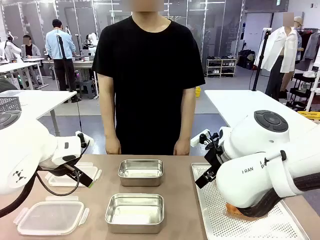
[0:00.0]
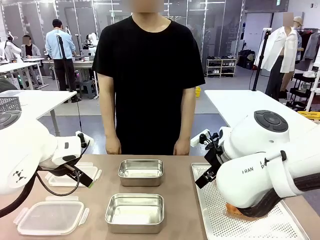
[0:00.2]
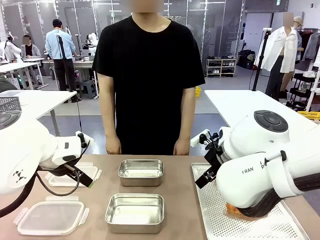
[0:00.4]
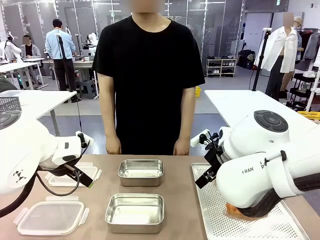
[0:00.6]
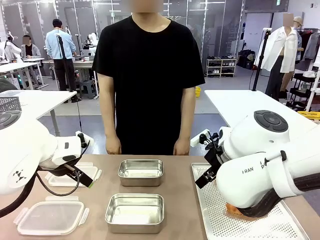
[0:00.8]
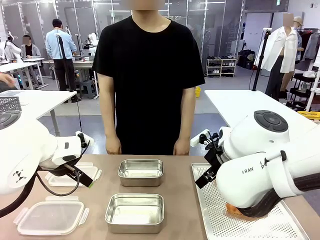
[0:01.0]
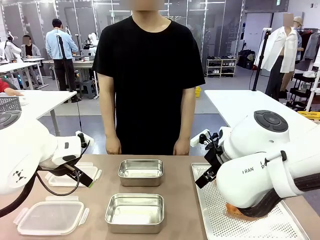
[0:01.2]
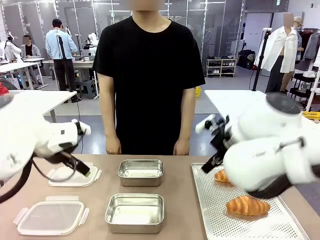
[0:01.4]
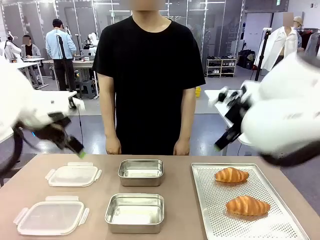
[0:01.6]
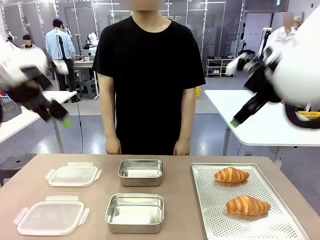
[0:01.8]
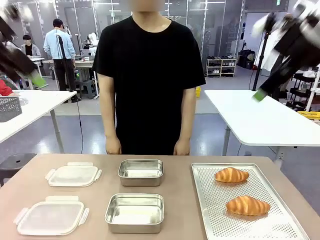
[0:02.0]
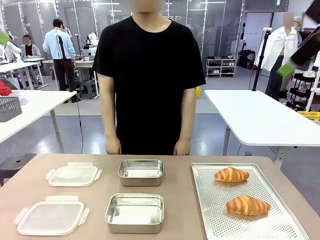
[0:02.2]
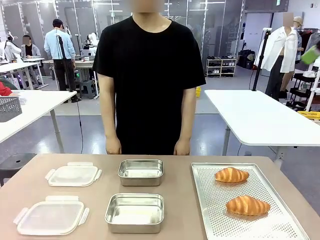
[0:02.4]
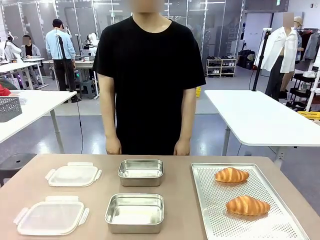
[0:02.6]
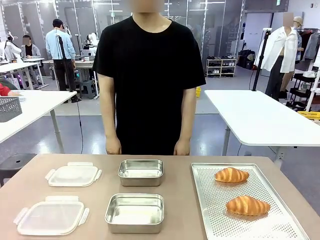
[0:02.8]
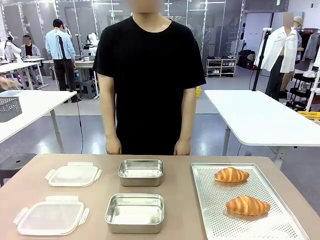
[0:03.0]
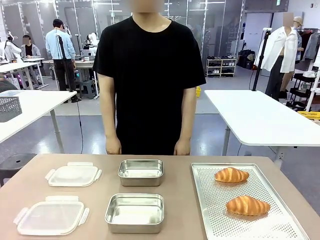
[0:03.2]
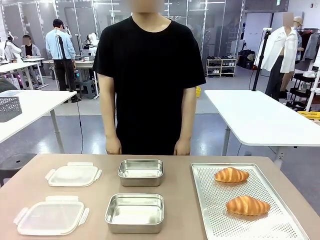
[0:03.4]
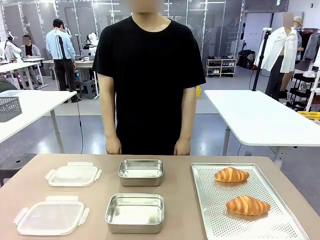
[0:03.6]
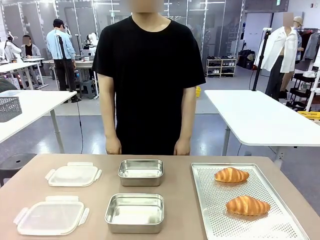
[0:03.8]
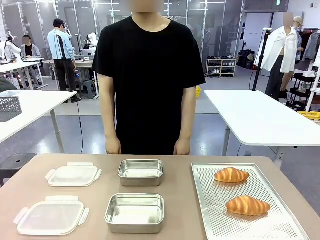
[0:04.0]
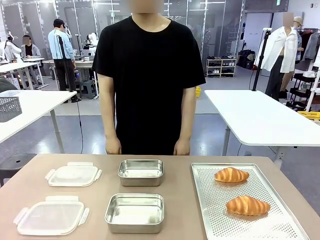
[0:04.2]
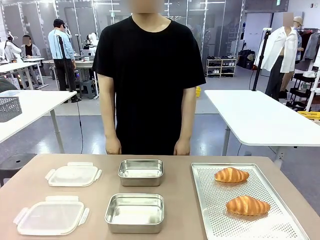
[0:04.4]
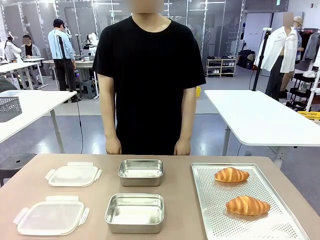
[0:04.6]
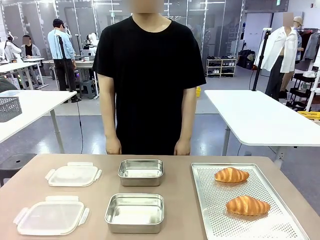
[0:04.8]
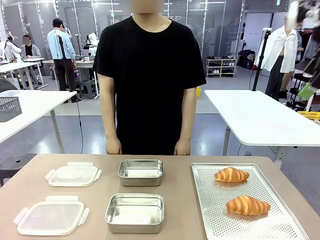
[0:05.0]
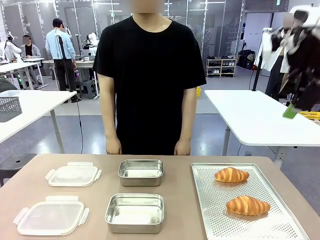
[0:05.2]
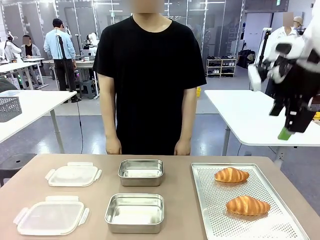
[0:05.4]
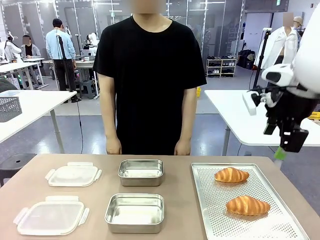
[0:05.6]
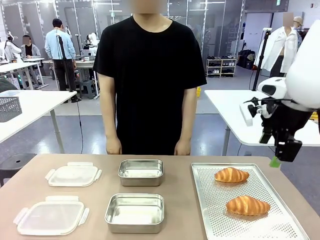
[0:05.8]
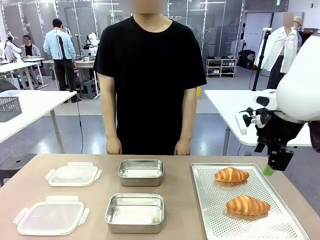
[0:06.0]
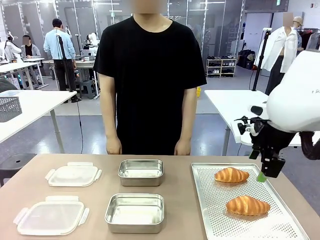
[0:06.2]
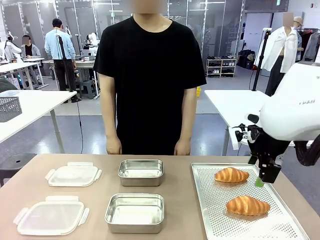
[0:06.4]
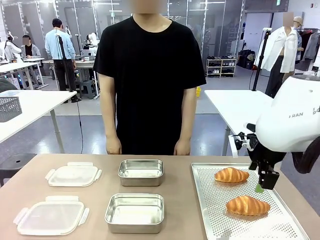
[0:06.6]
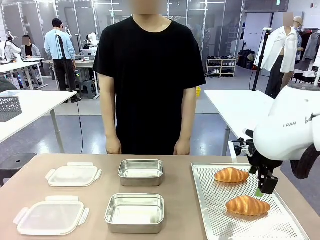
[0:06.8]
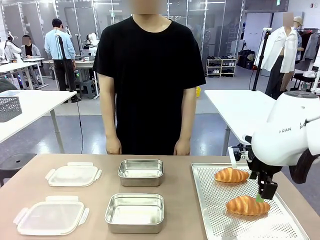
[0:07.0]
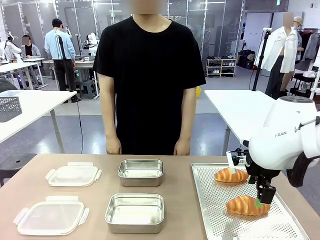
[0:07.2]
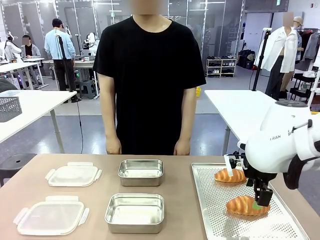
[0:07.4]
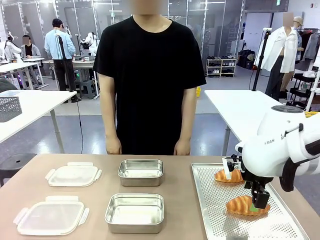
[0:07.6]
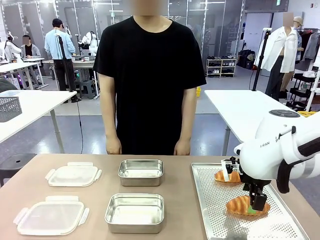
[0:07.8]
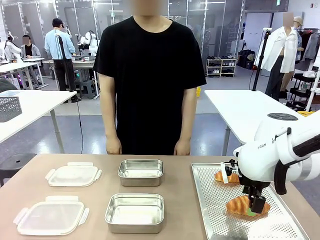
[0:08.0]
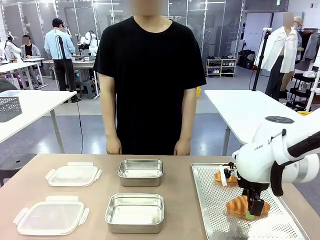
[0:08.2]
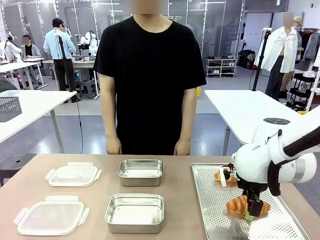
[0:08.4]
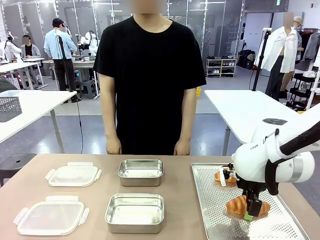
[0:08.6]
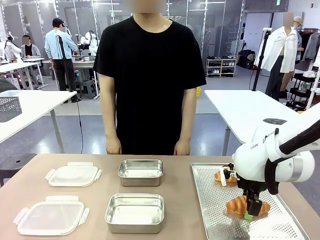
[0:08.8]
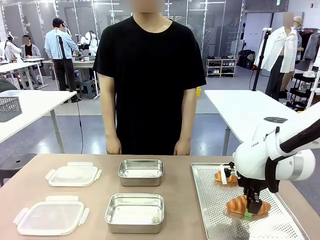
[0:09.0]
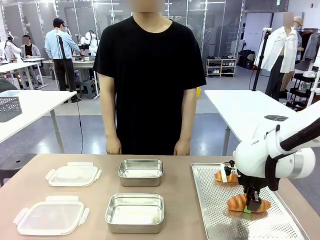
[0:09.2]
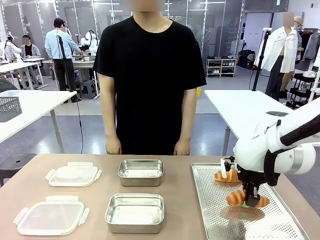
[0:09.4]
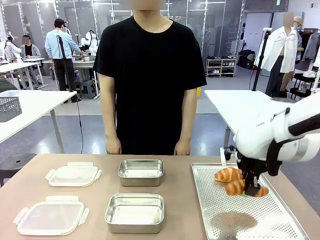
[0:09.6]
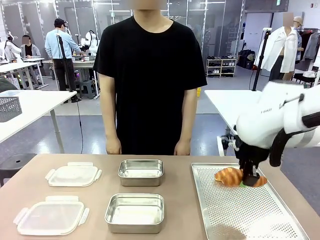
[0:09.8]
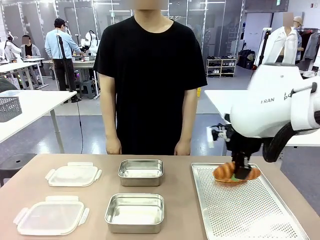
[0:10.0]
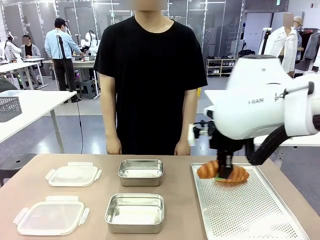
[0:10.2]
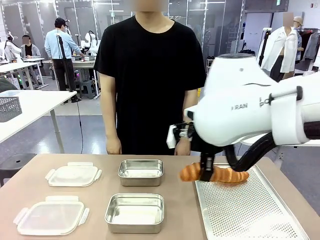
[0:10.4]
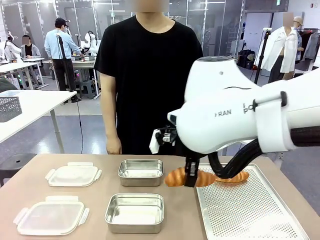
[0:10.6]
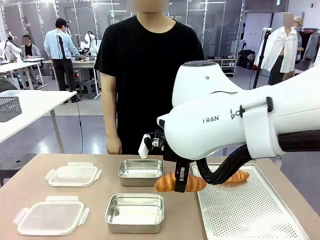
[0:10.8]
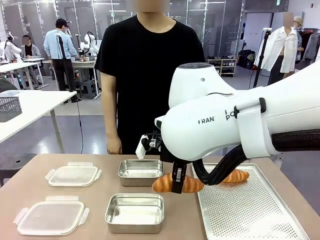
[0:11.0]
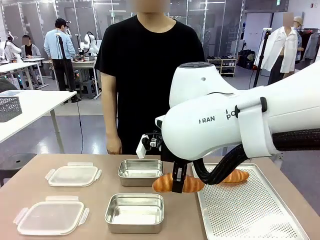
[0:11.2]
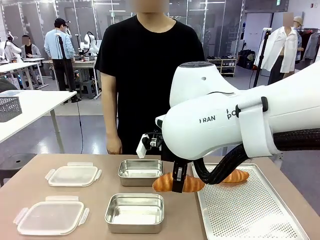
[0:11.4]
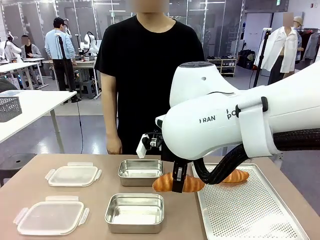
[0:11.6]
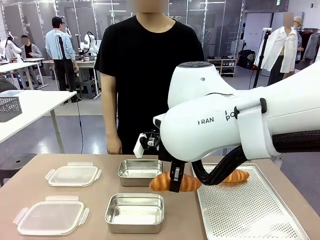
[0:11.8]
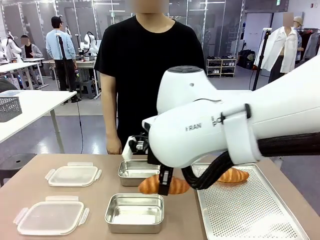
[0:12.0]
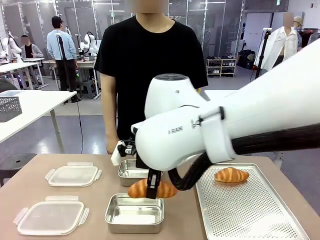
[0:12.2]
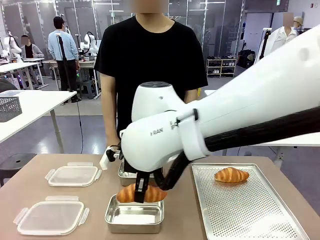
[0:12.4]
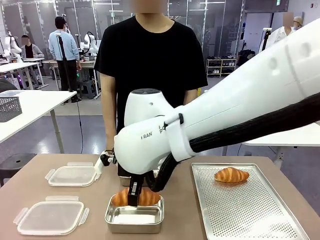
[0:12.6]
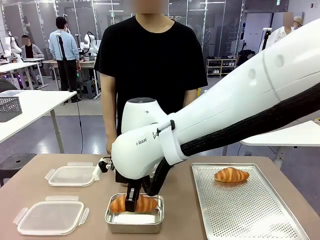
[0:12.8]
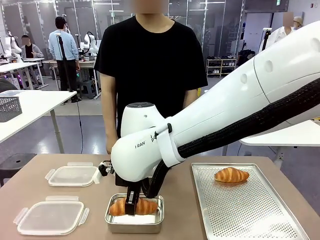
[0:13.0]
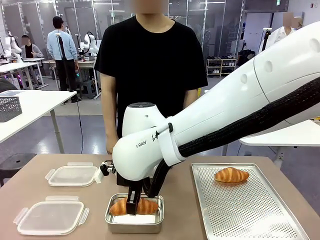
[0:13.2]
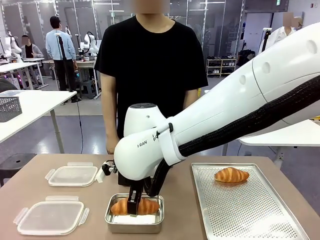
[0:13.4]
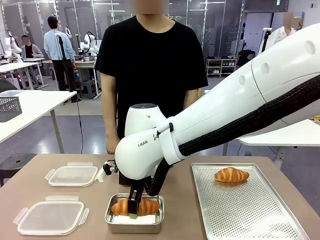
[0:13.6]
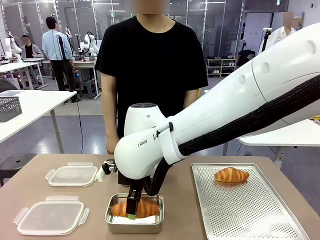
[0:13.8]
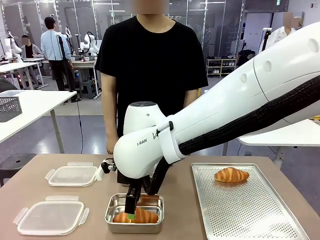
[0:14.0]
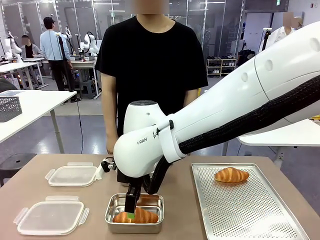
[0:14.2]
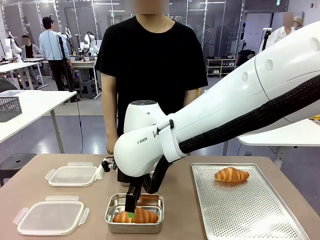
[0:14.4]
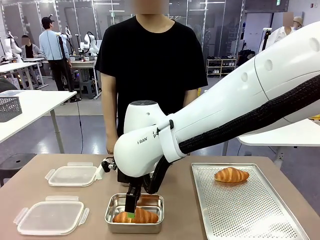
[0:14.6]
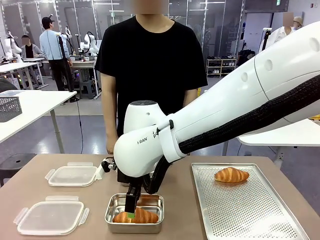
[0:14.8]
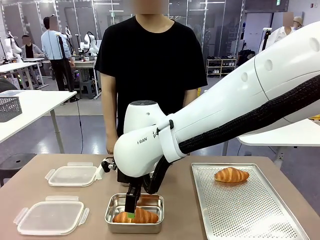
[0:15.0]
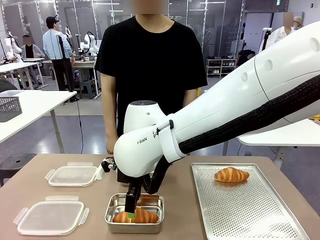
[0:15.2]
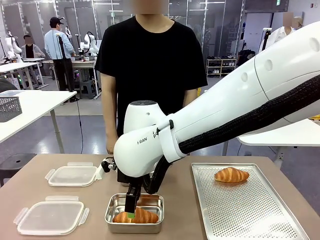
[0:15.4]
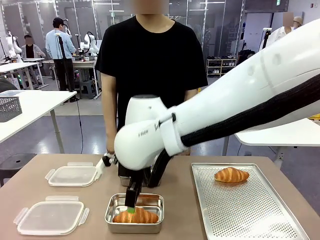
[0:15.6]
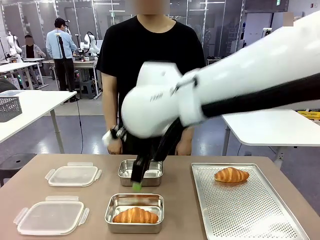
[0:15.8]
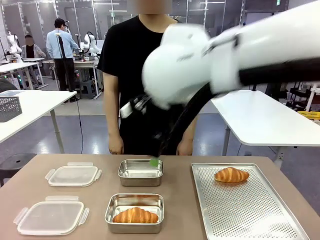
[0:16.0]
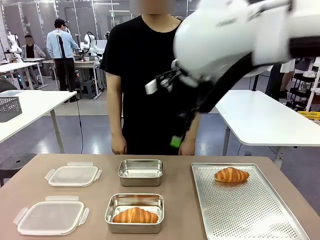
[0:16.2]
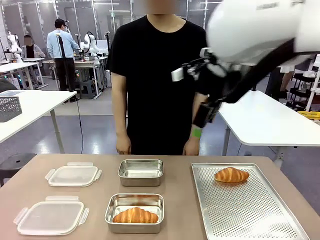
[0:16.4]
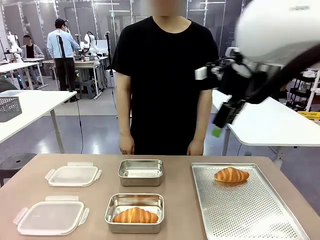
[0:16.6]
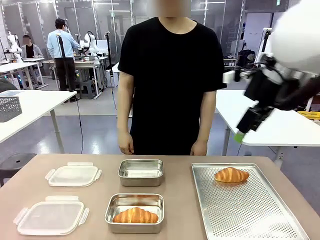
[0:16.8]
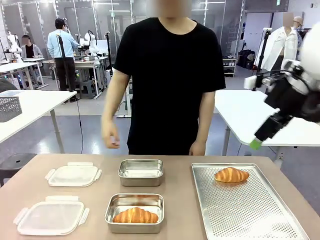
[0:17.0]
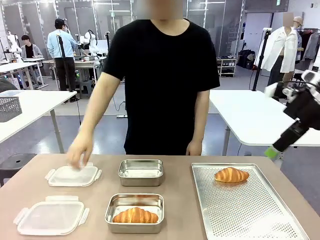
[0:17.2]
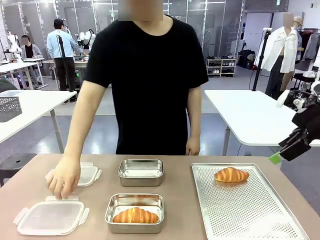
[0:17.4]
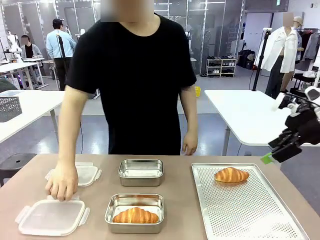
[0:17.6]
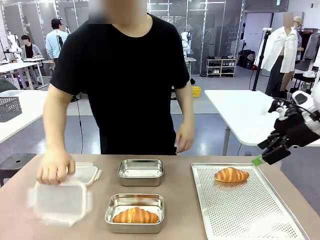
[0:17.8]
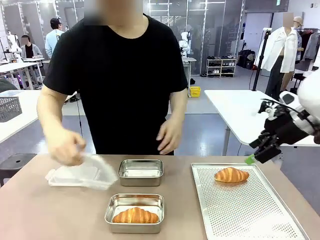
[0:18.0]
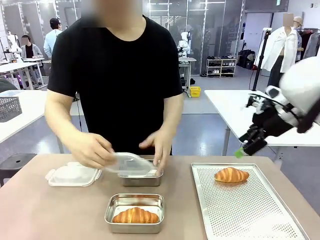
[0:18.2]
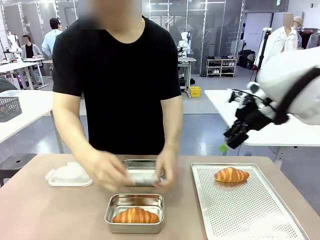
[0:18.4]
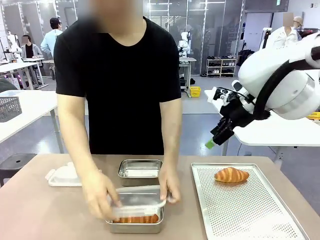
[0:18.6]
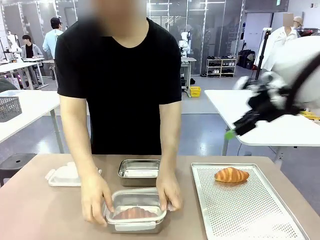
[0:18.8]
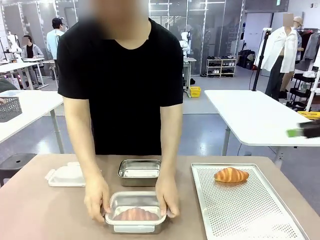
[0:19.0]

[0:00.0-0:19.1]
Task: Place the bread into the airtight container.
Robot: Pick up a Butter Roll and place it into an empty Airtight Container.
